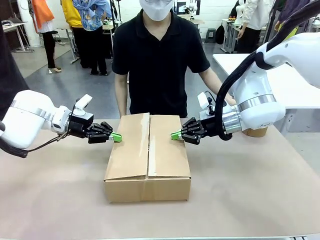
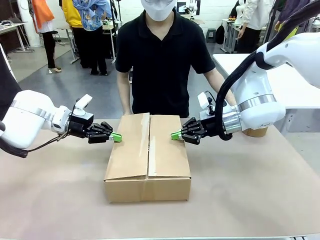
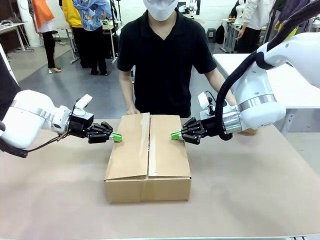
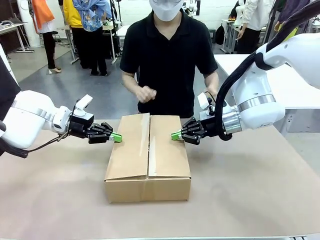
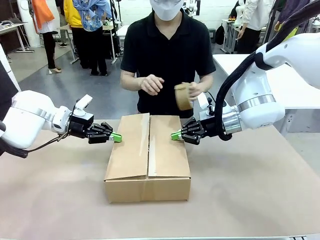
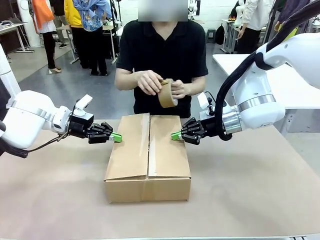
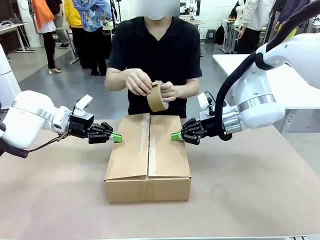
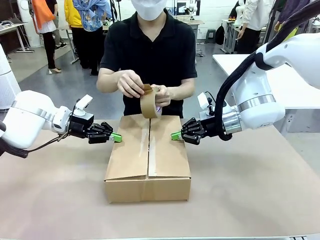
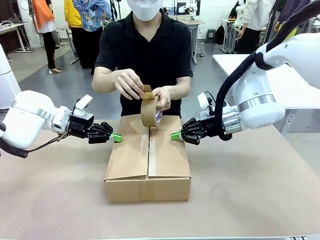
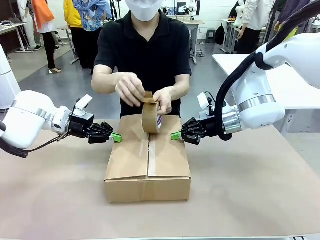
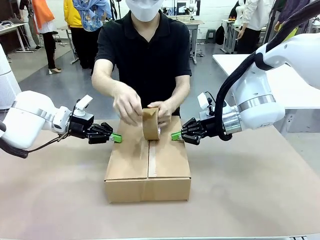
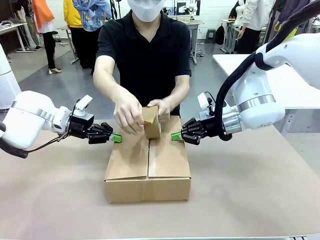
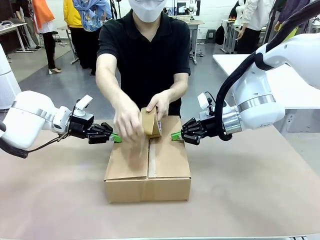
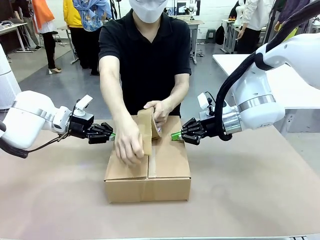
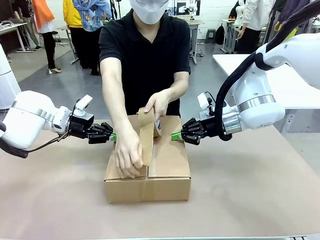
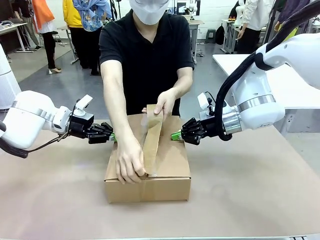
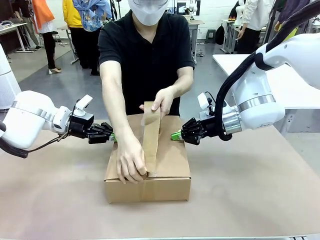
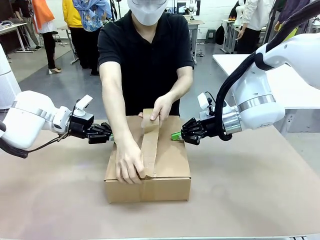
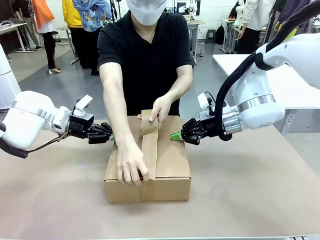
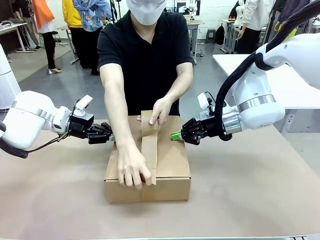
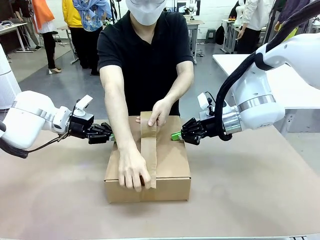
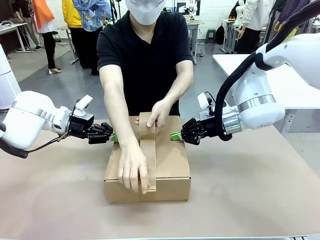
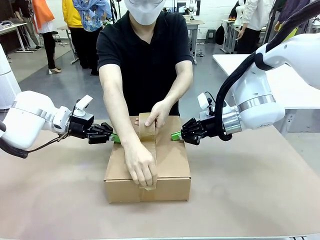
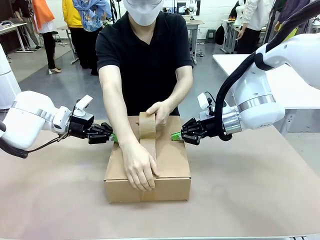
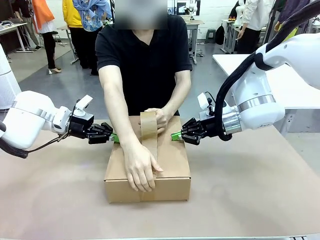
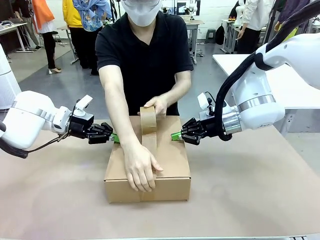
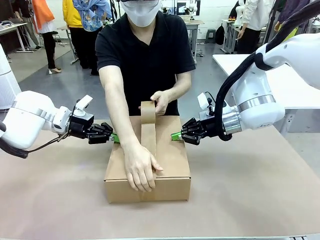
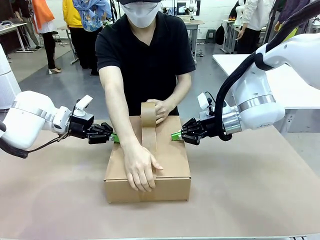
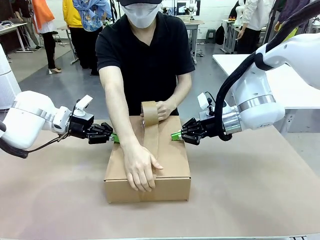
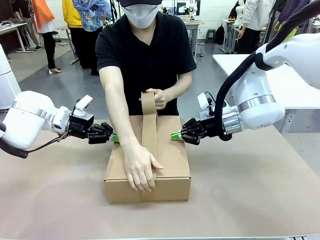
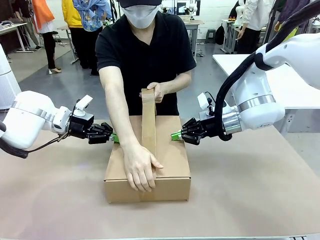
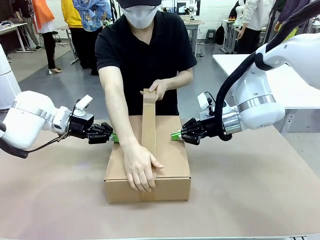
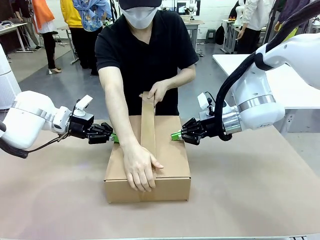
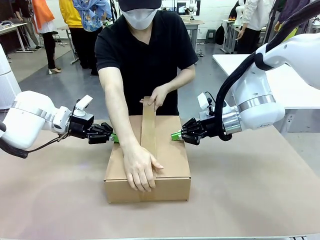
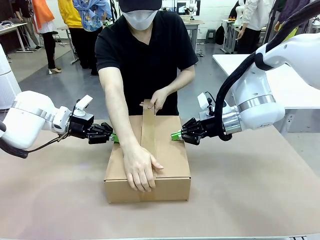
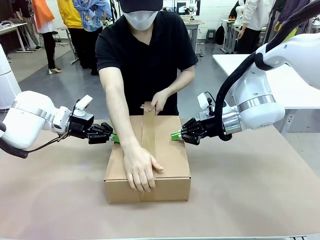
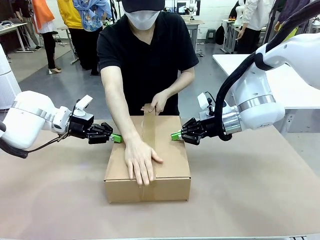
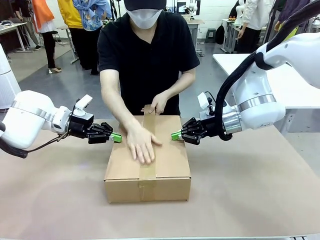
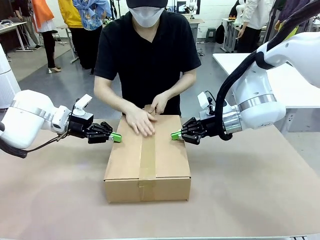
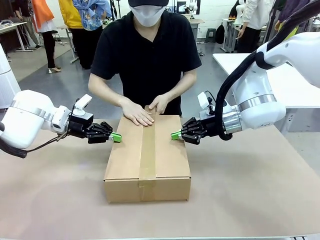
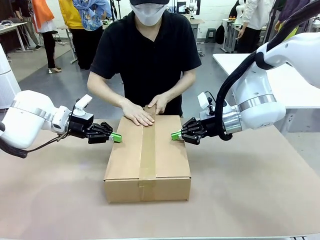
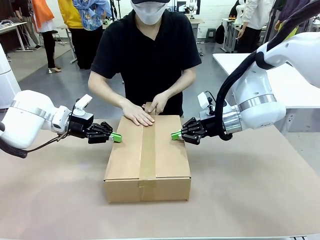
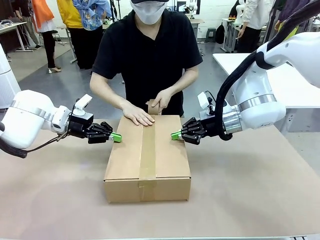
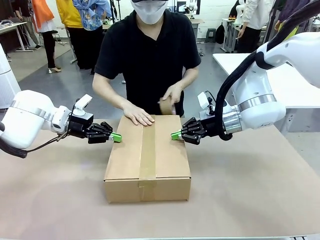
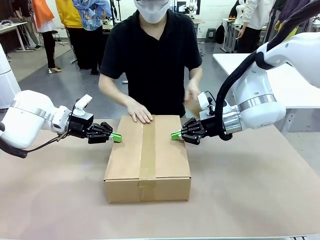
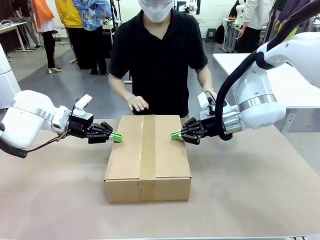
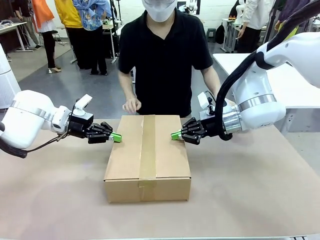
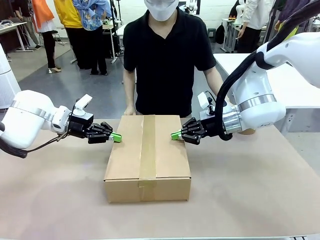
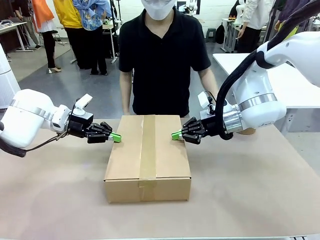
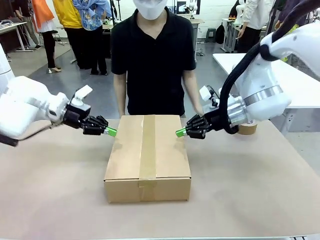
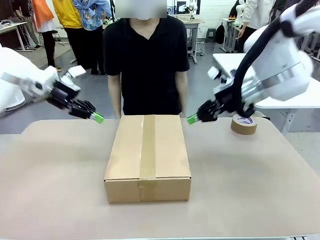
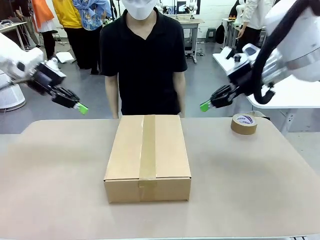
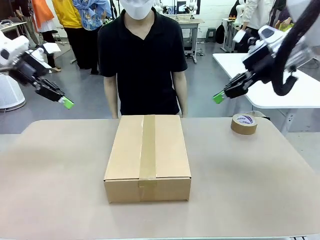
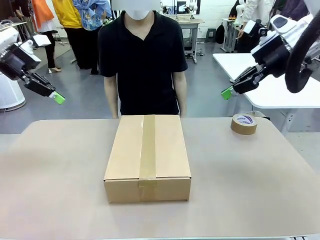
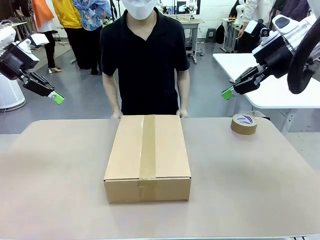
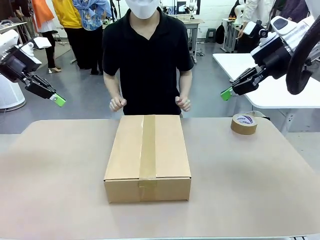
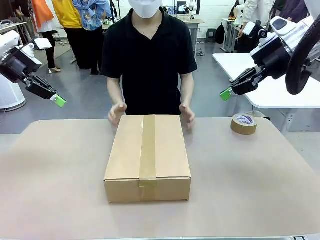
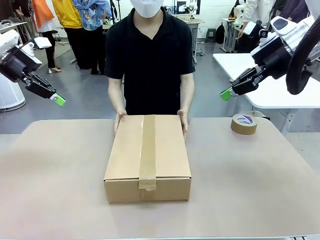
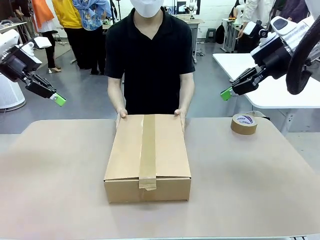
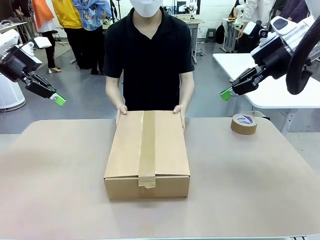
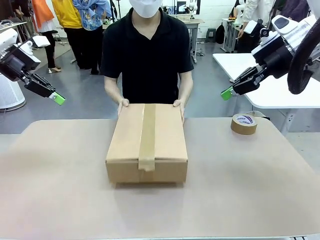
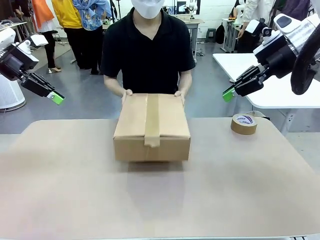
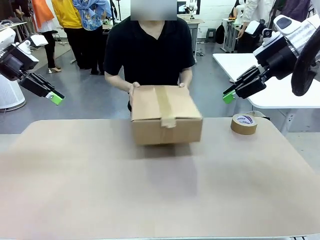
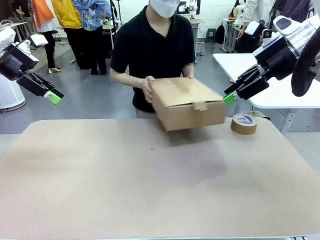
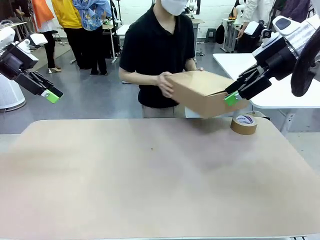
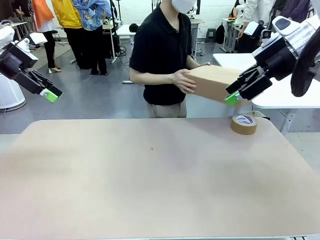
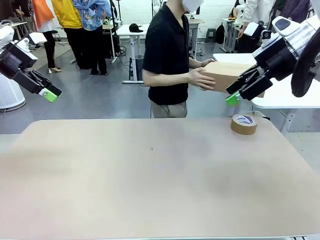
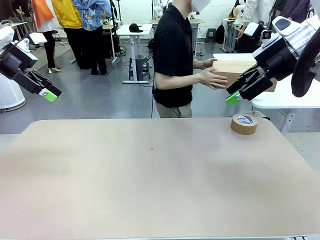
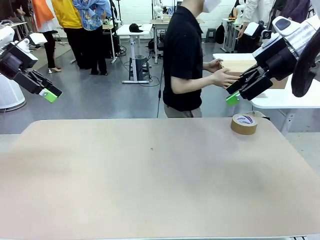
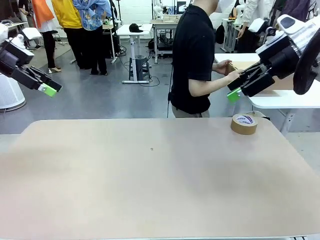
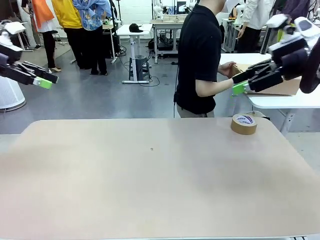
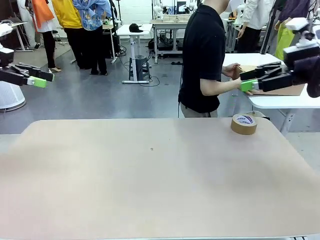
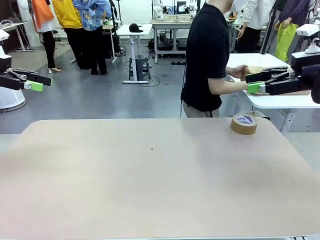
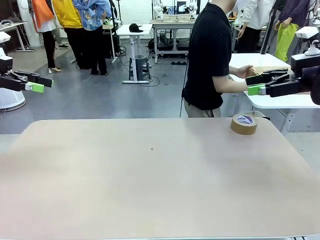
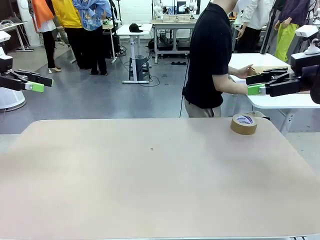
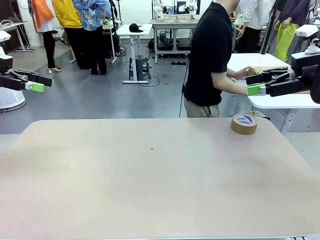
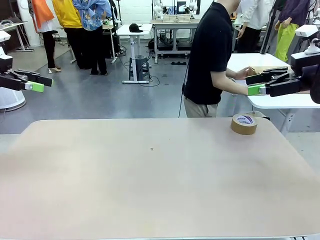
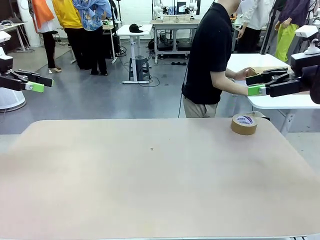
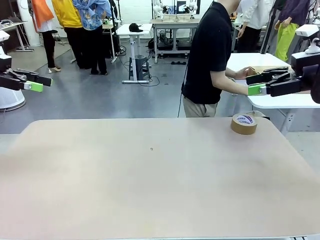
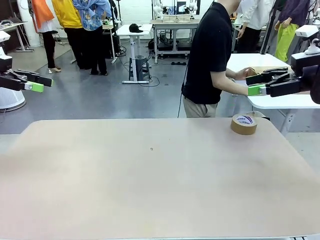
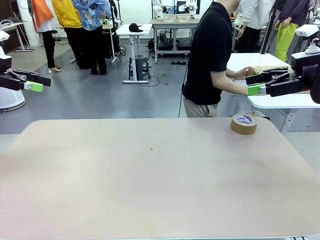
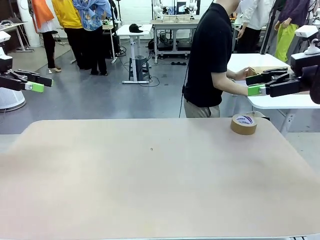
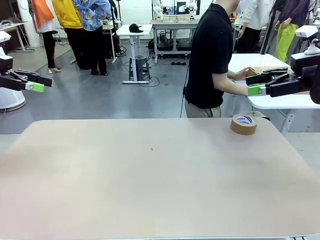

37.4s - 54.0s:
Task: Wrap the clocks to prevent damage.
Robot: After the human seals the box with tape, release both hands from the side flaps of the Package Box.
Person: Once the robot closes the left flap of the Package Box , seal the box with Paper Tape. Place sealed Package Box in the middle of the human's table.

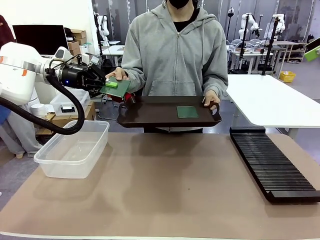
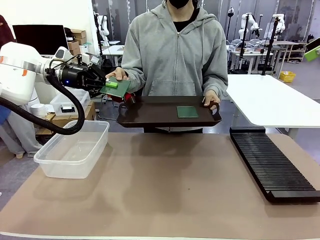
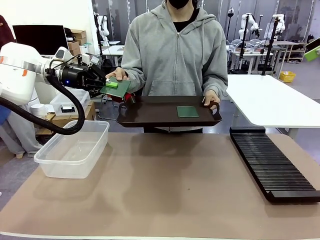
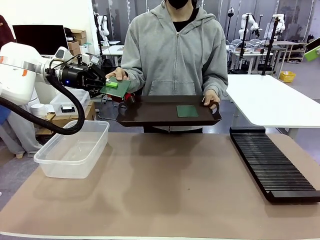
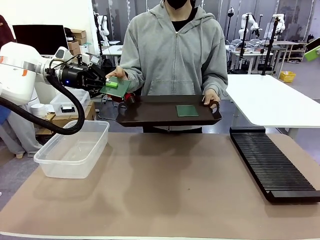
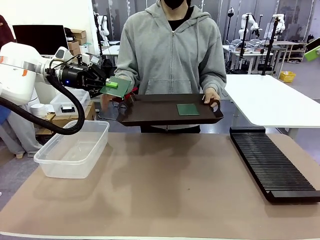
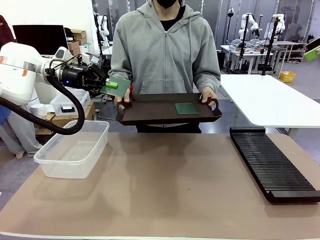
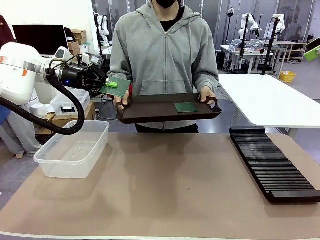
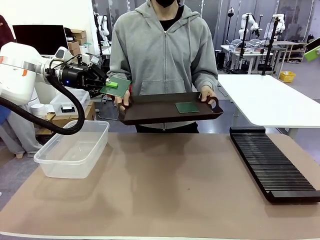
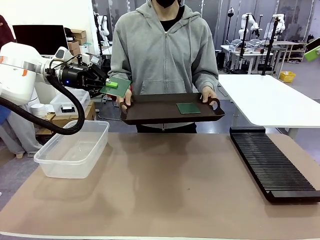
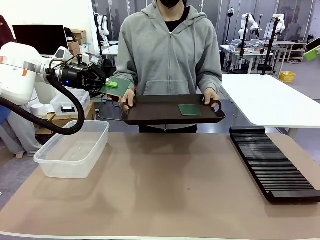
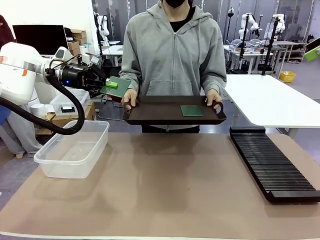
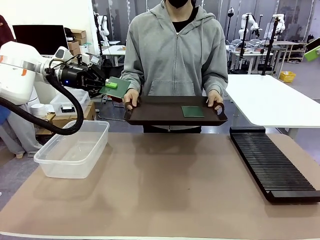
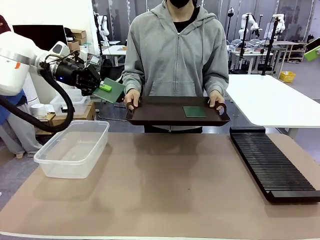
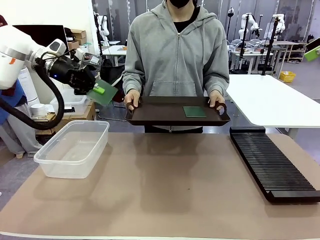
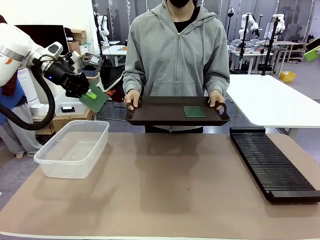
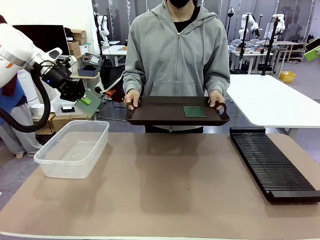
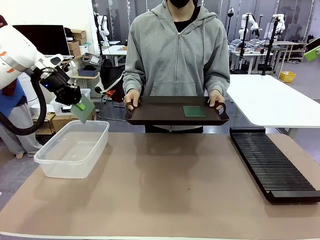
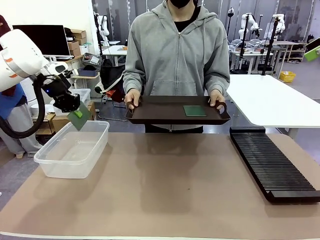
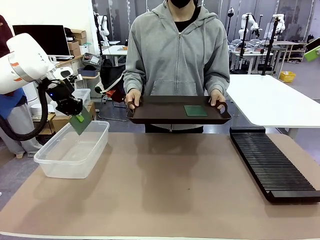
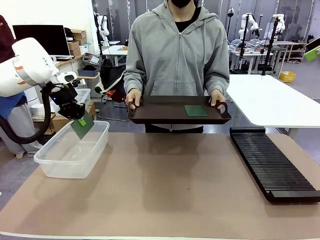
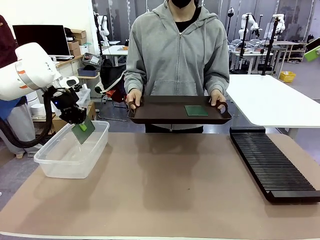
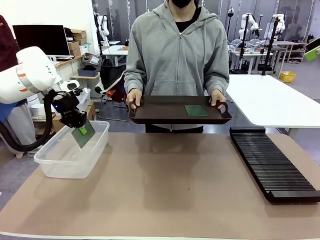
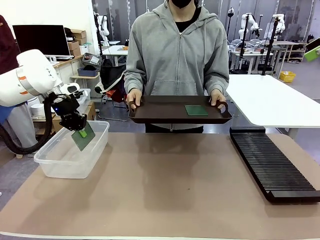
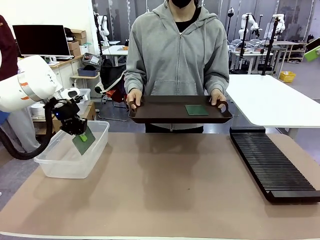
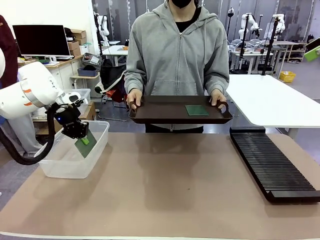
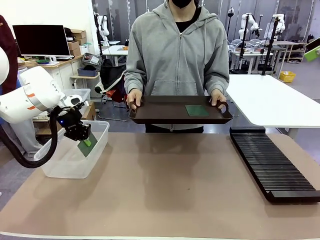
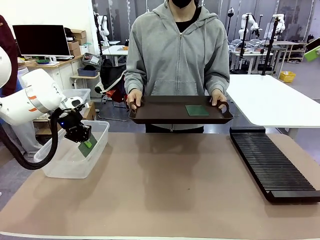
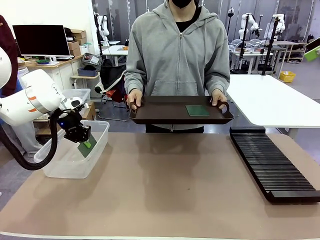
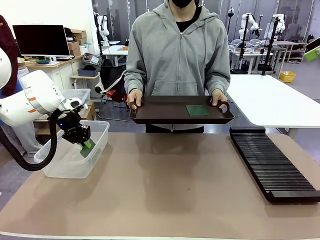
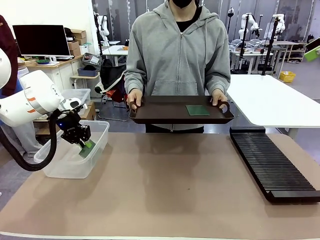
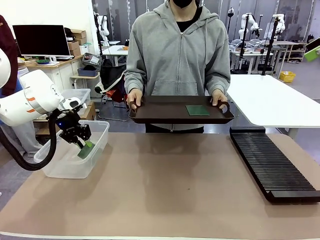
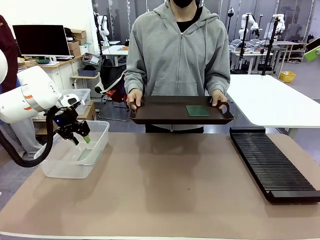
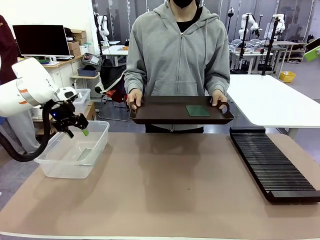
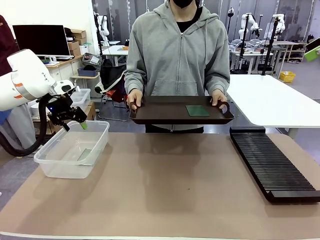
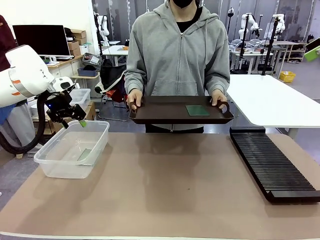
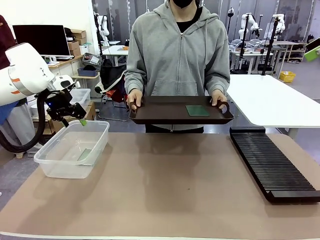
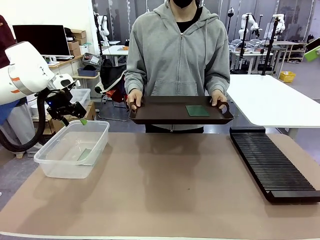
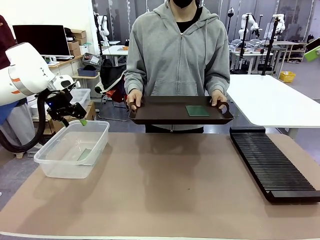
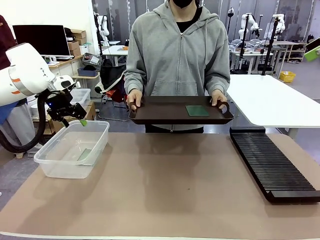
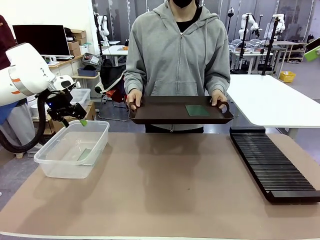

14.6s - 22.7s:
Task: Sort PCBs into racks and boxes based on the side picked up.
Robot: If the short side of the Blank PCB is picked up, insert it into the PCB Rack ; if the long side is picked up, place it in the Organizing box.
Person: Pick one PCB from the tray and present it to the robot.
